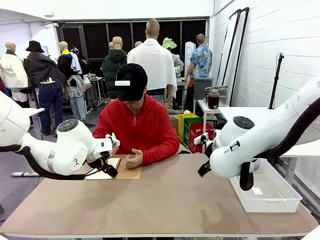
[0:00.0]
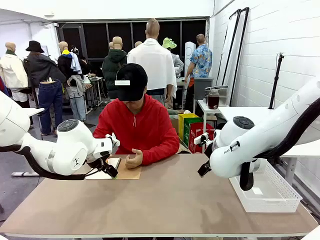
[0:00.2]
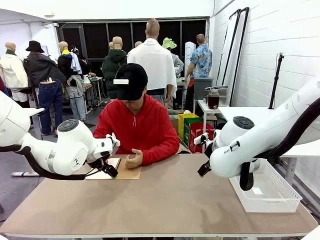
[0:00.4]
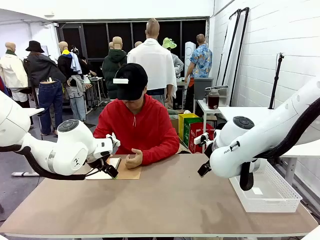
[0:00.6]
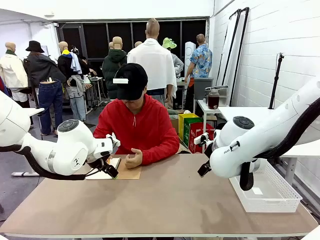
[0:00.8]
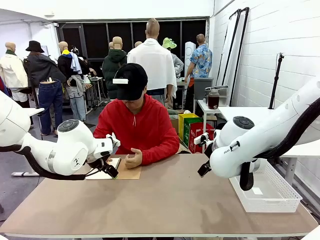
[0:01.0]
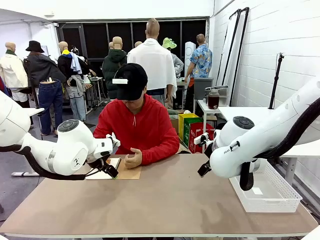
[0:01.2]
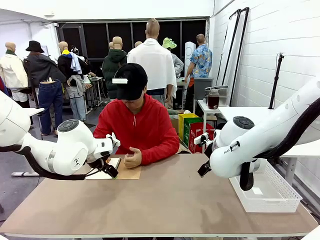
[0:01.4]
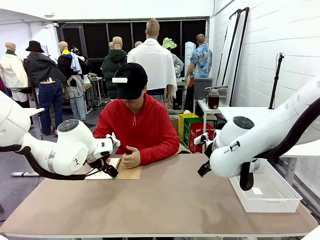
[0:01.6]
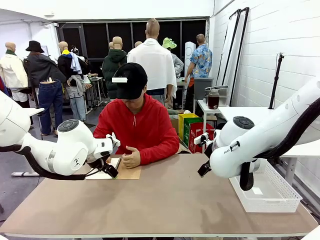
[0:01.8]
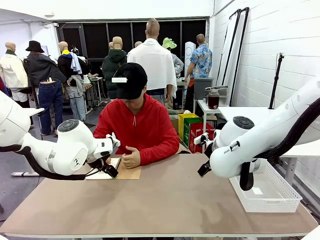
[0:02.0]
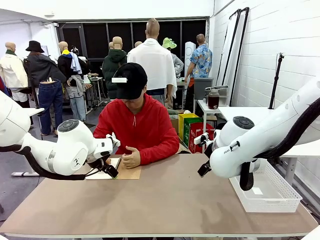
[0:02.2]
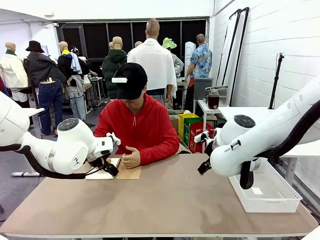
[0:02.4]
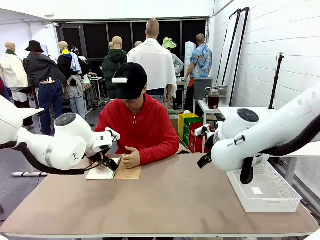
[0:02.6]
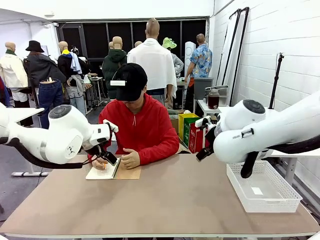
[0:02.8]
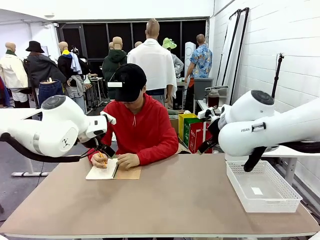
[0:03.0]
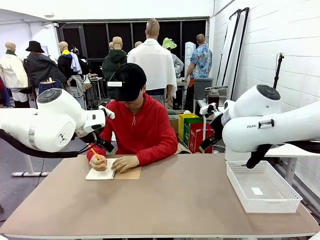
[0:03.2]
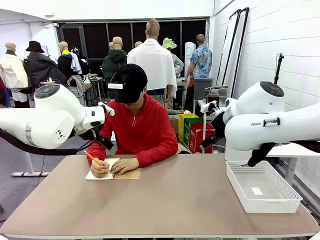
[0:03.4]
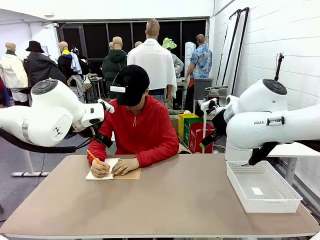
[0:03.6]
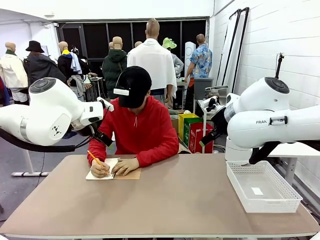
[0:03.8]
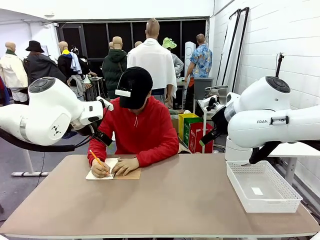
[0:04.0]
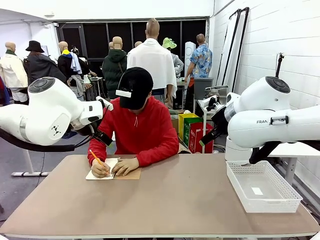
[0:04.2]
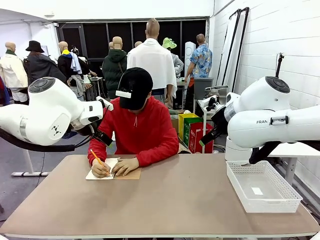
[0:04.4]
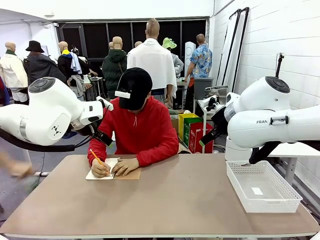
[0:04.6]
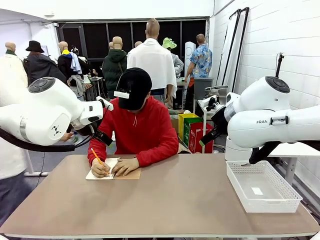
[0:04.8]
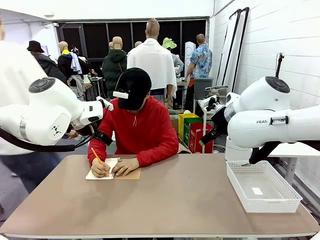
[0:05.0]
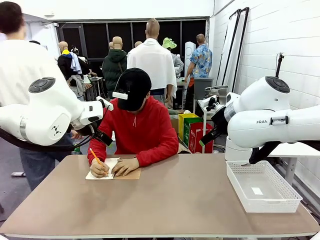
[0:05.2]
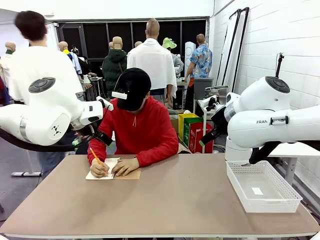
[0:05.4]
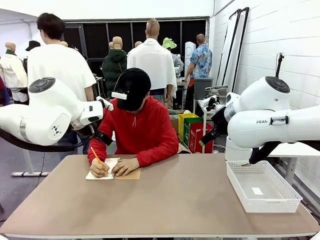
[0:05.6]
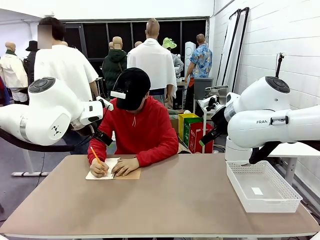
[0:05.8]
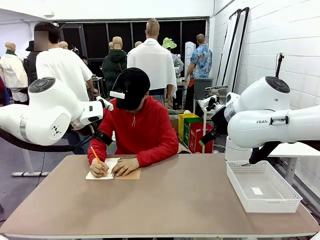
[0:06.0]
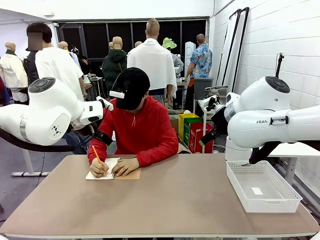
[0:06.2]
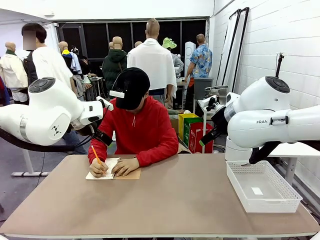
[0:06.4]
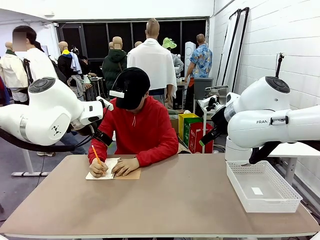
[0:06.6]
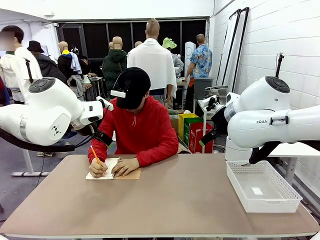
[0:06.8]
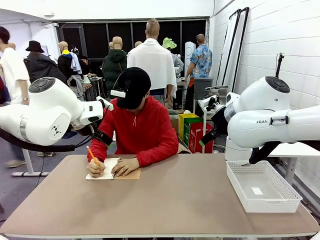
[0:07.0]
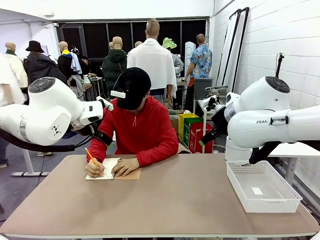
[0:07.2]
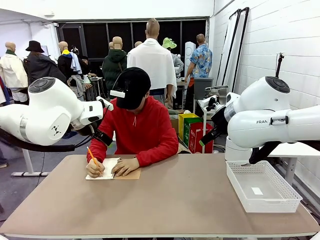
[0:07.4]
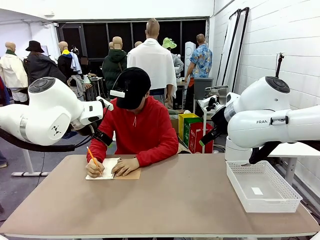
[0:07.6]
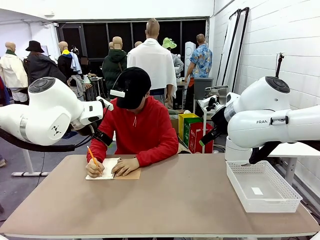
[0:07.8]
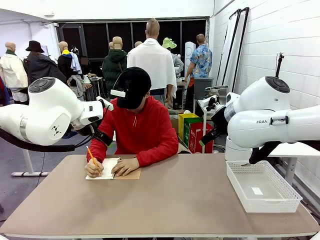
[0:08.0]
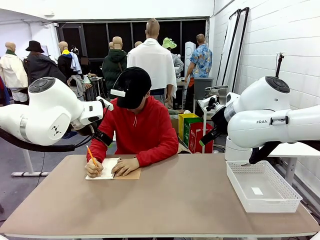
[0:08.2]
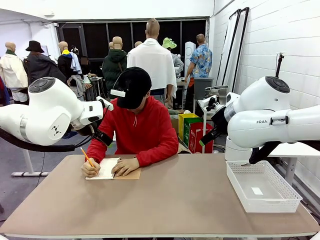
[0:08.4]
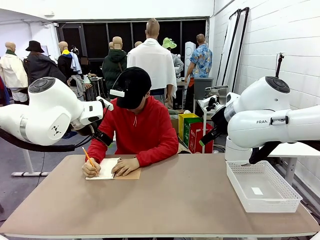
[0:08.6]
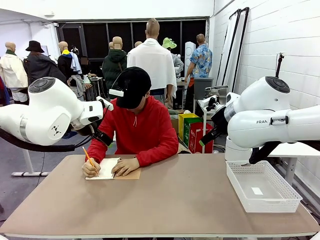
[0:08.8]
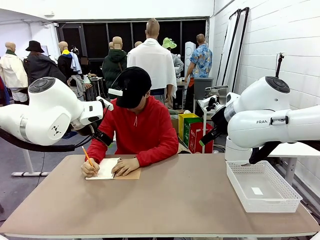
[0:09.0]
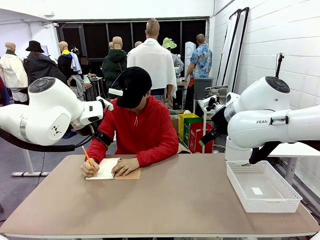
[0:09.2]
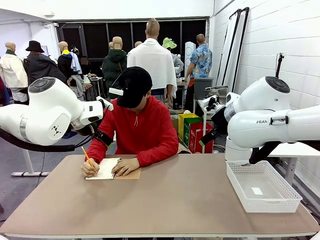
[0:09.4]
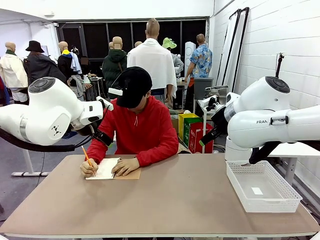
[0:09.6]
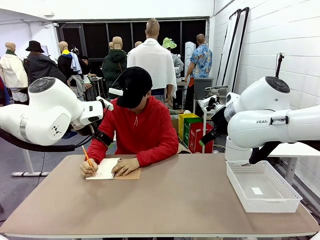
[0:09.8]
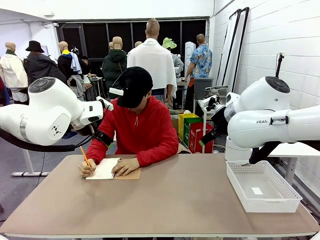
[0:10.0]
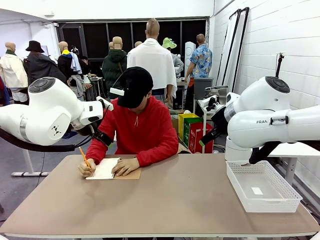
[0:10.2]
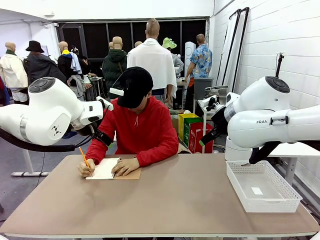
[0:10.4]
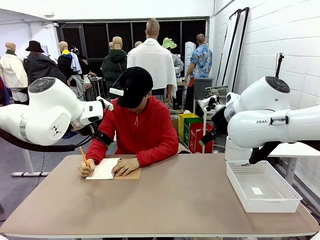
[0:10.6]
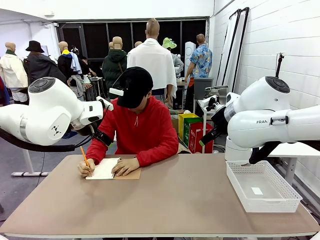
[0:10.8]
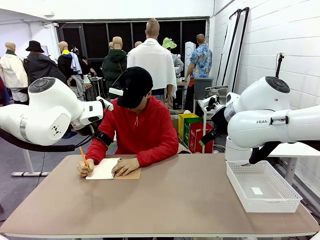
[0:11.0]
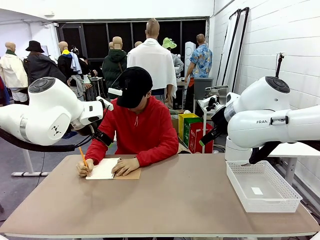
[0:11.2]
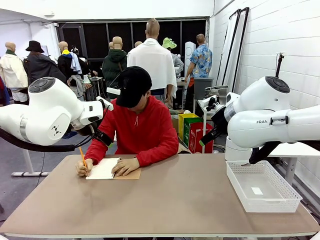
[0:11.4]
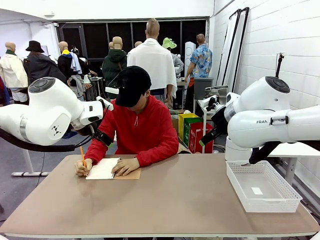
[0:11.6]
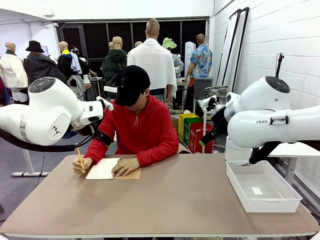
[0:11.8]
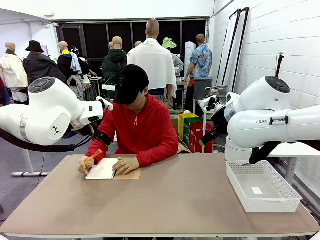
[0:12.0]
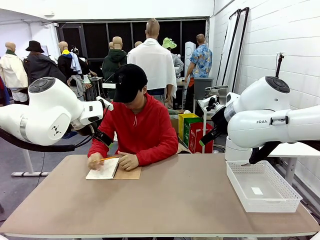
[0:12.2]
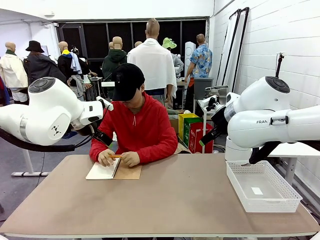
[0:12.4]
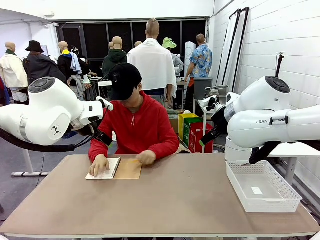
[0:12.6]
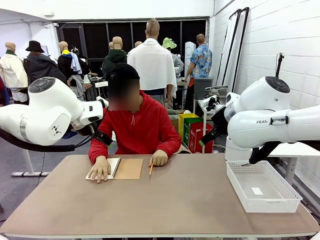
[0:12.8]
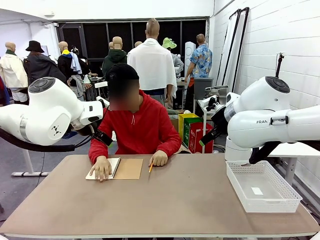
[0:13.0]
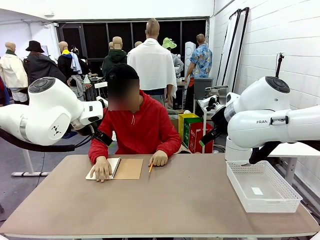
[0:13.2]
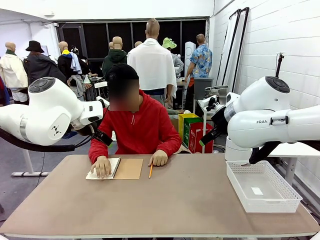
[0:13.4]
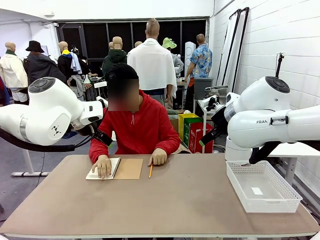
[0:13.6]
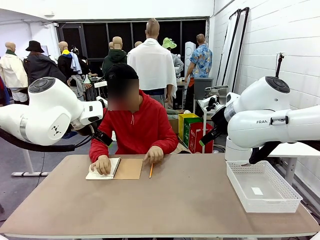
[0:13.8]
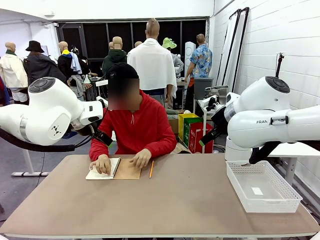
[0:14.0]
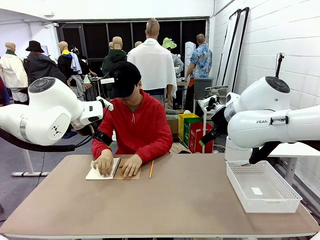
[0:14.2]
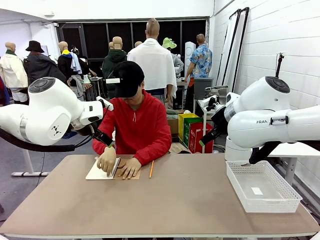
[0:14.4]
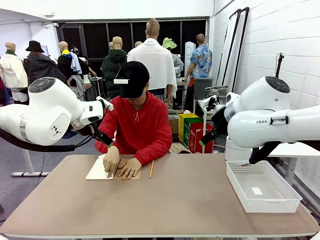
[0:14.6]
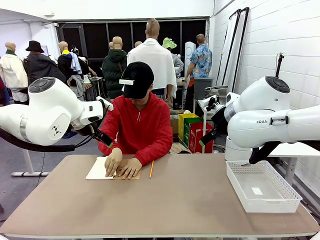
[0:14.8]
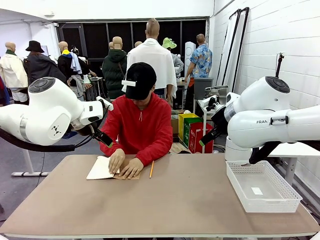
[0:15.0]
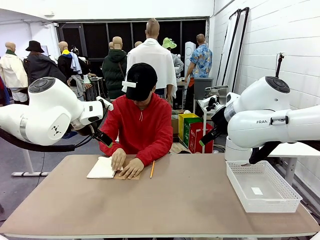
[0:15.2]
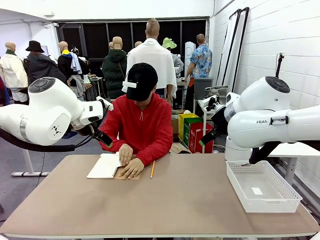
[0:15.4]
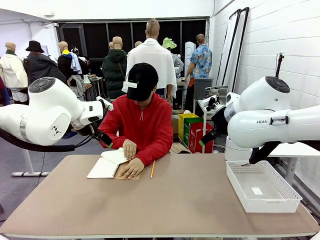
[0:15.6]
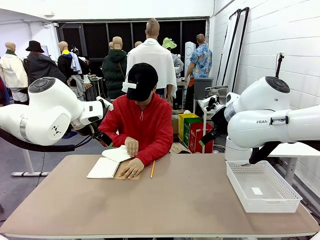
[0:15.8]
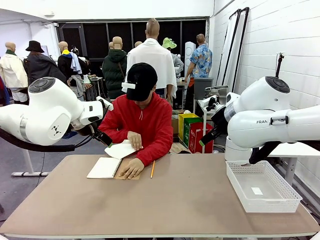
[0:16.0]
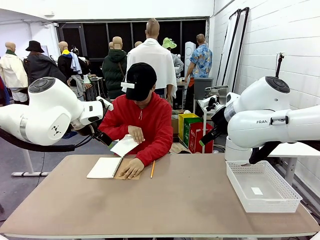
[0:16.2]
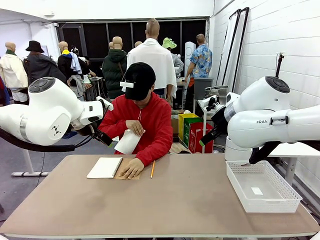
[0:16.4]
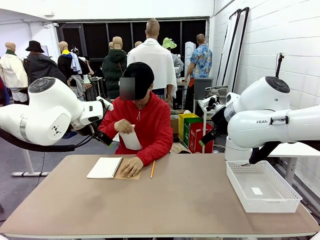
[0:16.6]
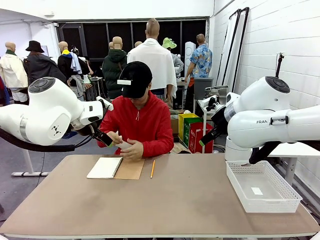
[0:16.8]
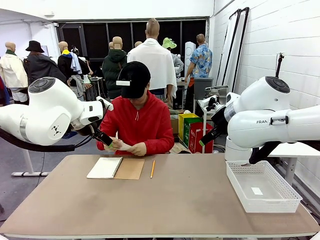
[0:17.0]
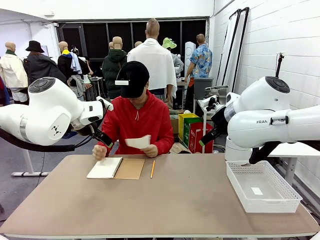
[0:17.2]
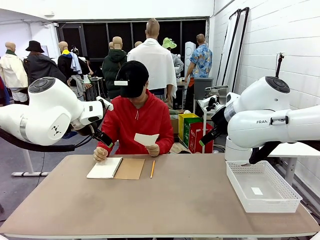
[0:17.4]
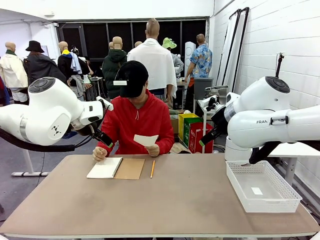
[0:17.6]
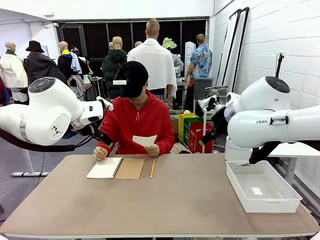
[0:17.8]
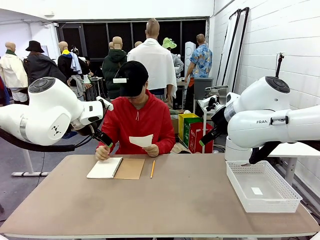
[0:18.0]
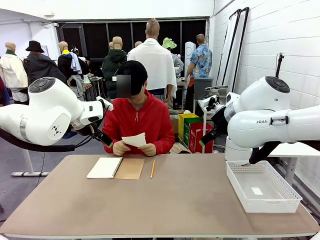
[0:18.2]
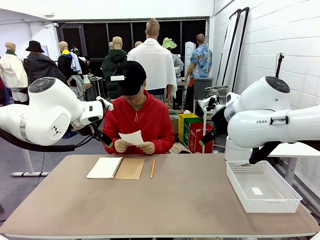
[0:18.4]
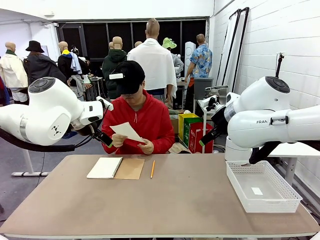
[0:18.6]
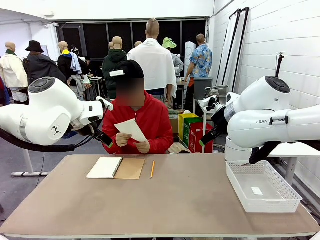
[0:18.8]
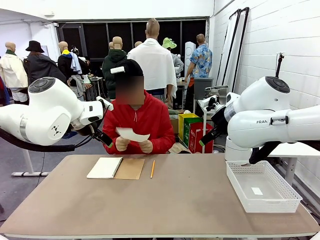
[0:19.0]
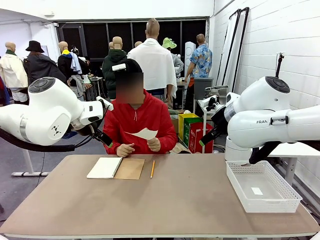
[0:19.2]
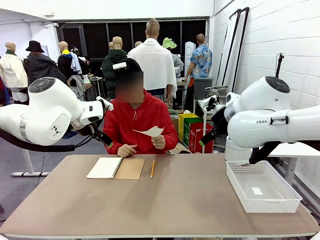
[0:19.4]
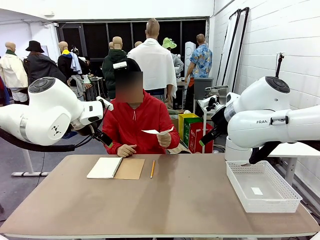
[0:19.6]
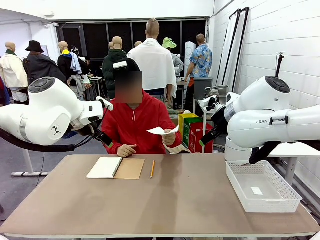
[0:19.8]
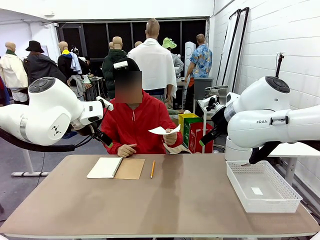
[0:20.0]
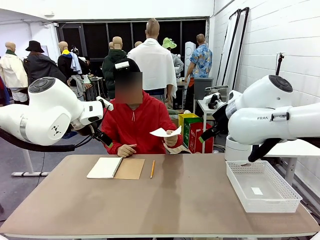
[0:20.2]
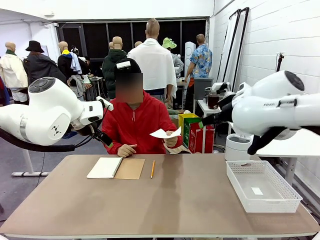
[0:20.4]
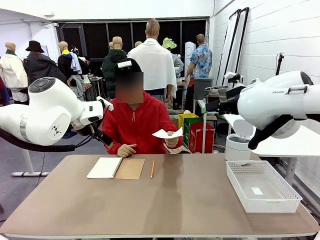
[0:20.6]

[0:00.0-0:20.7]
Task: Sort the paper based on its condition.
Robot: If a person hands you a paper, place it in the Organizing basket , and if it's crumpled, put it in the Trash can.
Person: Tear out a page from the spiral notebook. Hand the torn page to the robot or crumple it and throw it to the center of the table.
